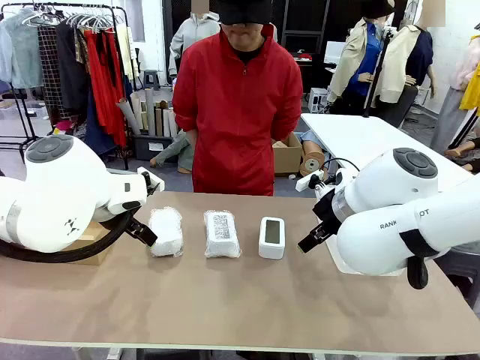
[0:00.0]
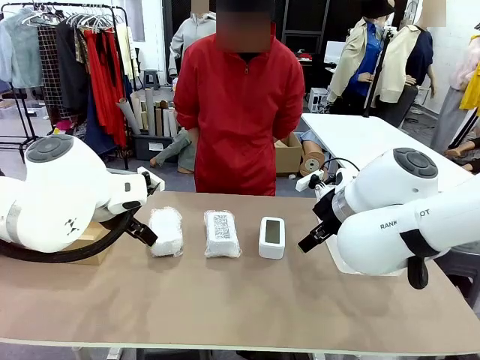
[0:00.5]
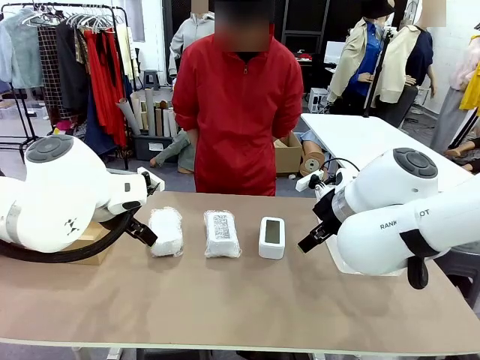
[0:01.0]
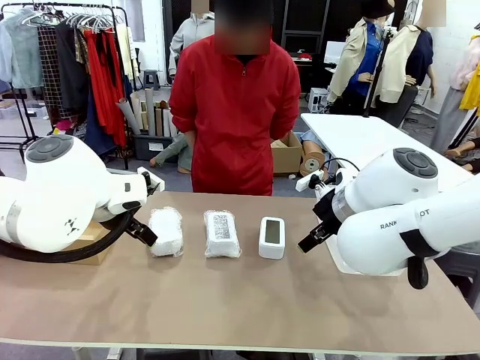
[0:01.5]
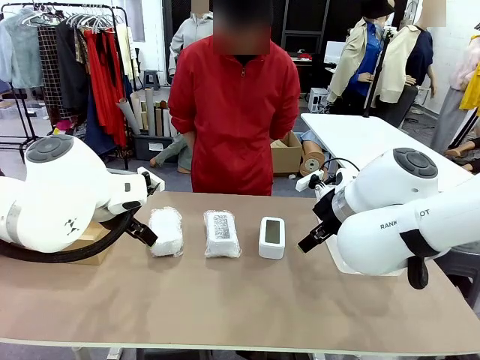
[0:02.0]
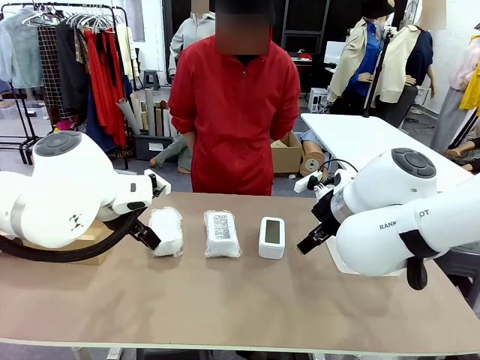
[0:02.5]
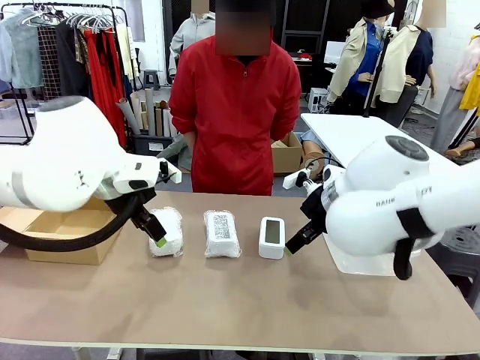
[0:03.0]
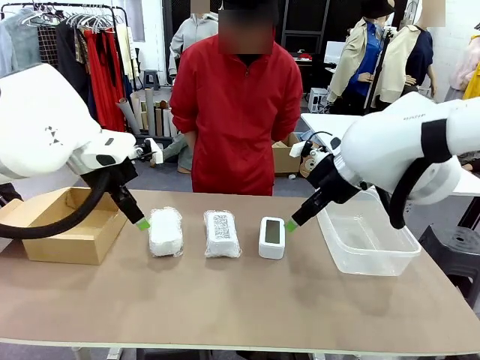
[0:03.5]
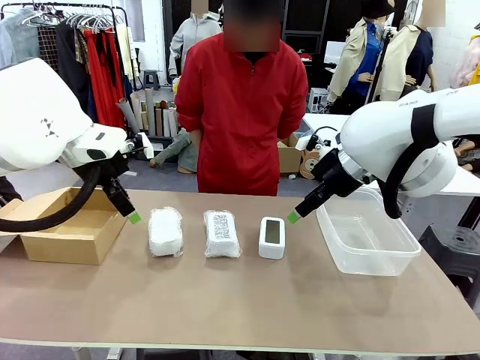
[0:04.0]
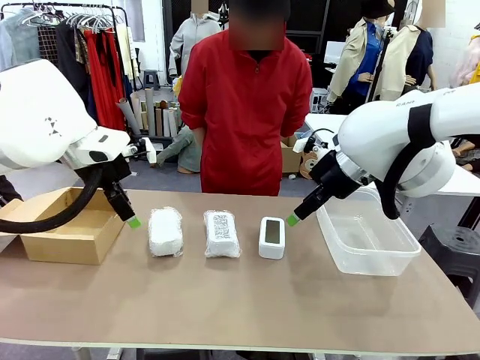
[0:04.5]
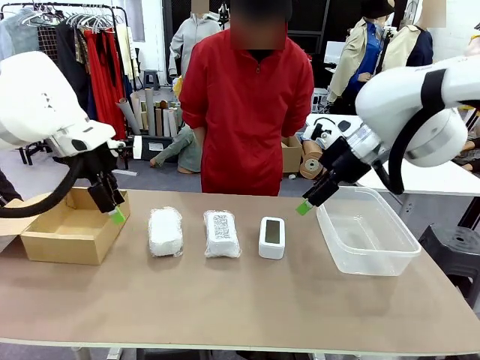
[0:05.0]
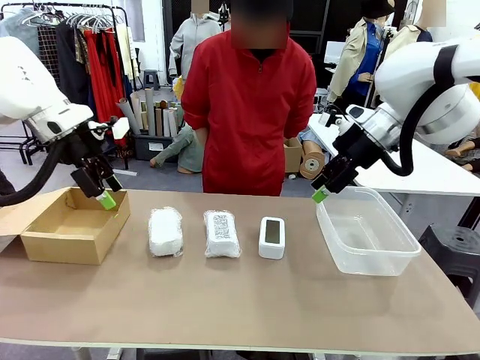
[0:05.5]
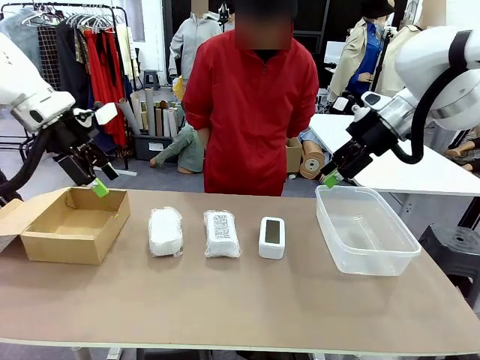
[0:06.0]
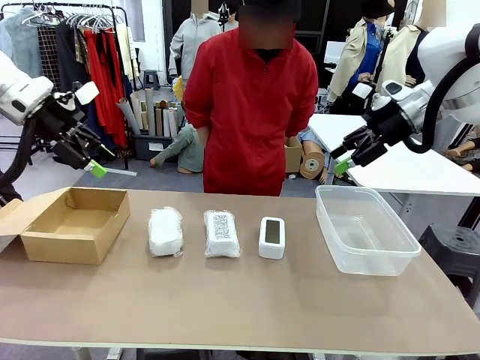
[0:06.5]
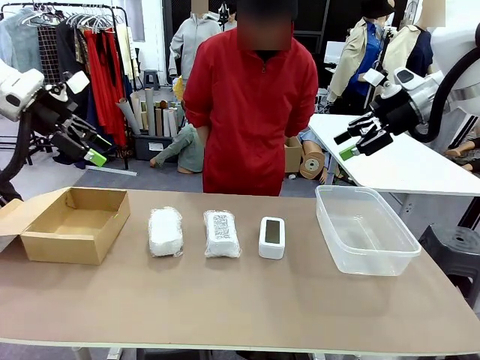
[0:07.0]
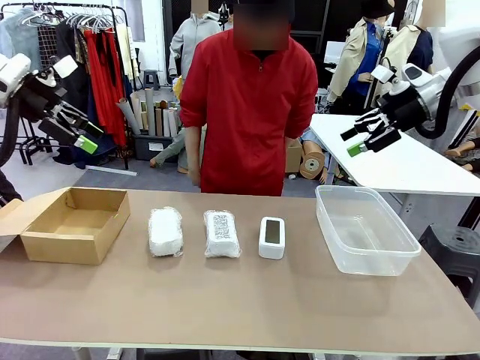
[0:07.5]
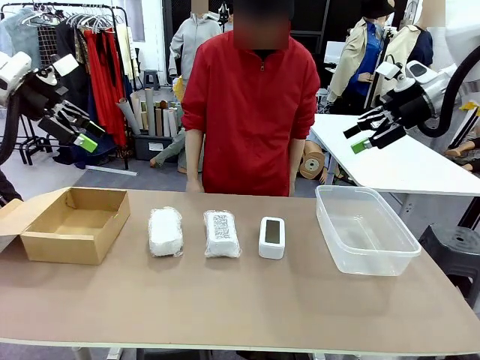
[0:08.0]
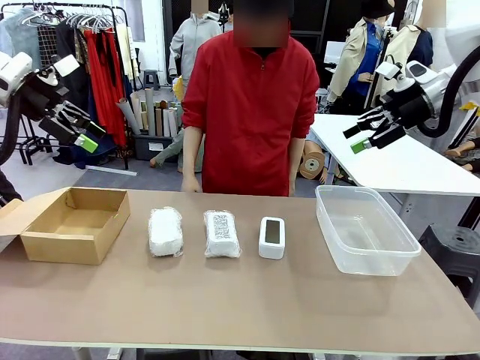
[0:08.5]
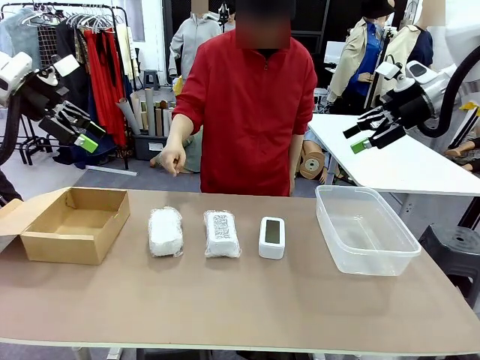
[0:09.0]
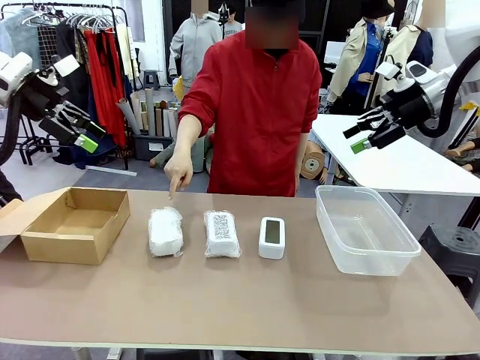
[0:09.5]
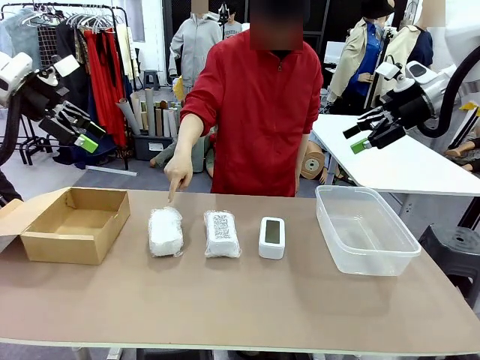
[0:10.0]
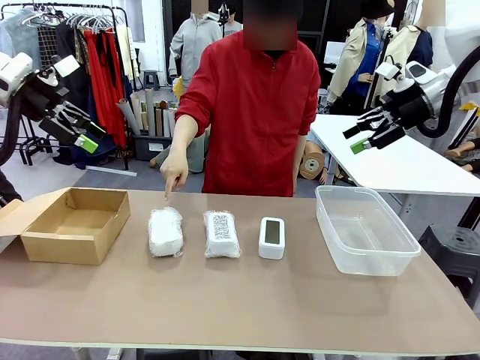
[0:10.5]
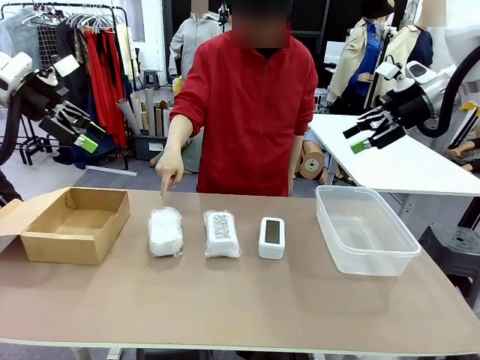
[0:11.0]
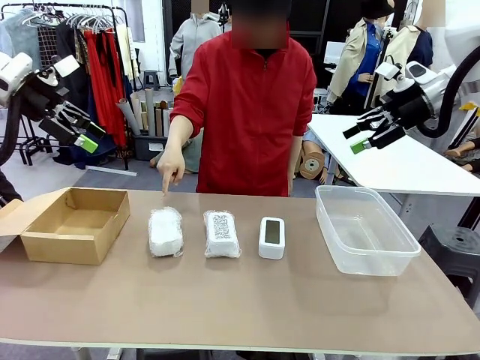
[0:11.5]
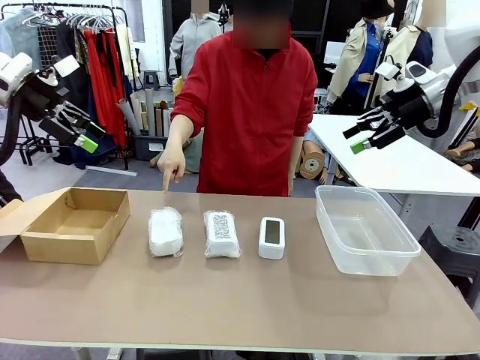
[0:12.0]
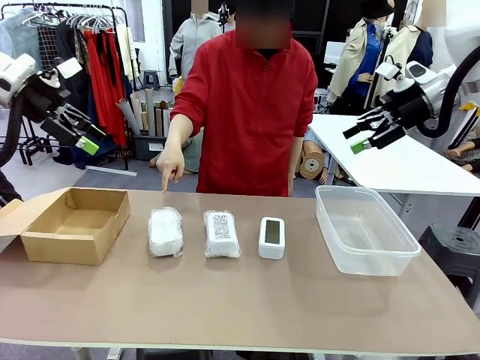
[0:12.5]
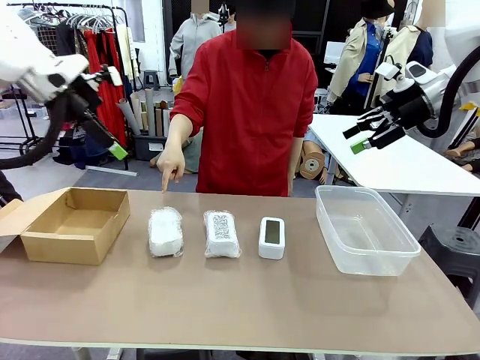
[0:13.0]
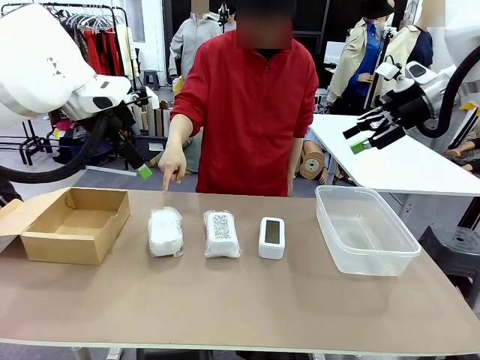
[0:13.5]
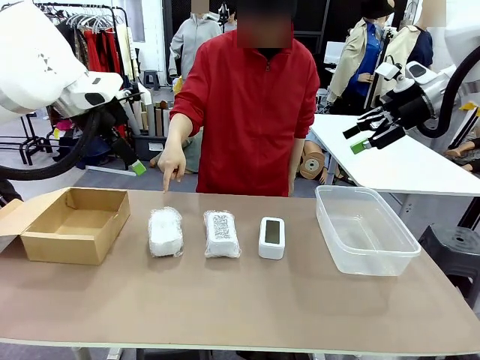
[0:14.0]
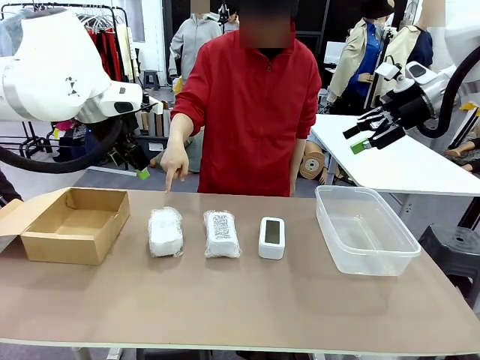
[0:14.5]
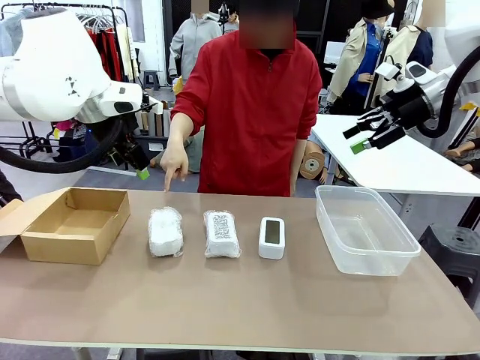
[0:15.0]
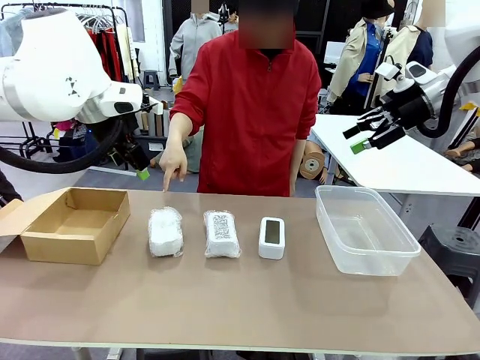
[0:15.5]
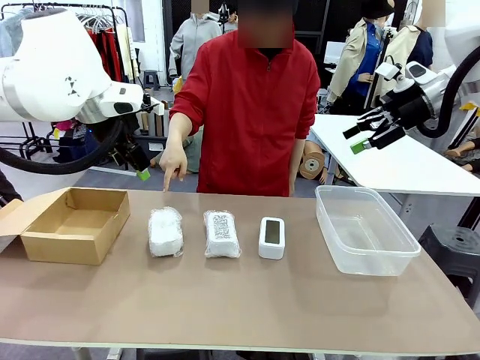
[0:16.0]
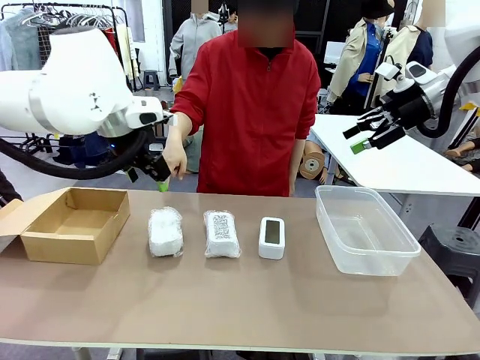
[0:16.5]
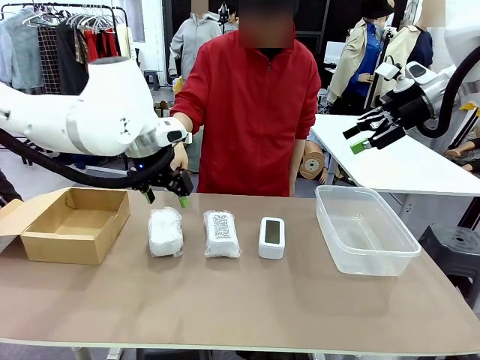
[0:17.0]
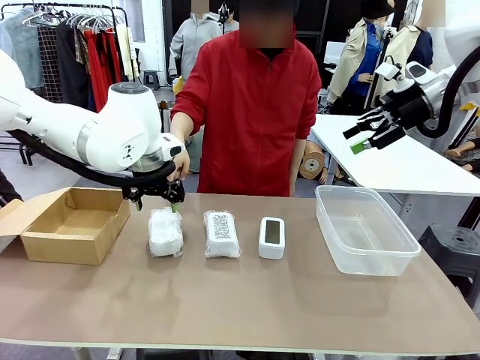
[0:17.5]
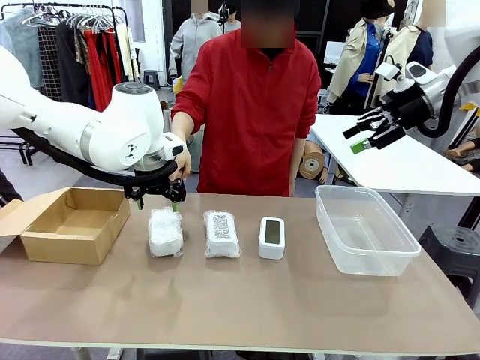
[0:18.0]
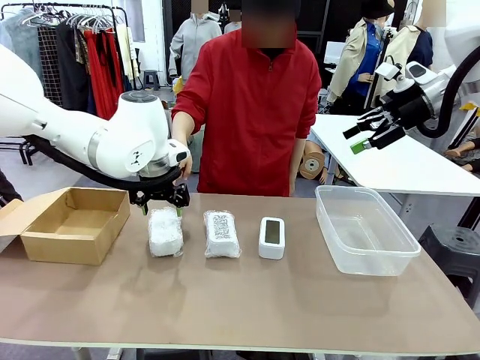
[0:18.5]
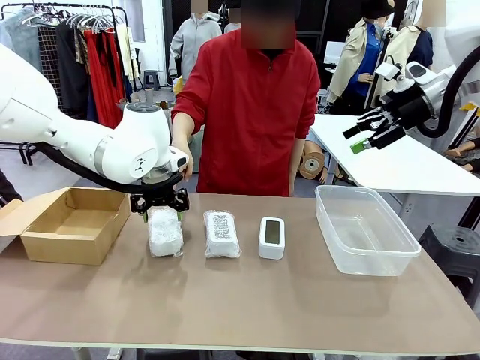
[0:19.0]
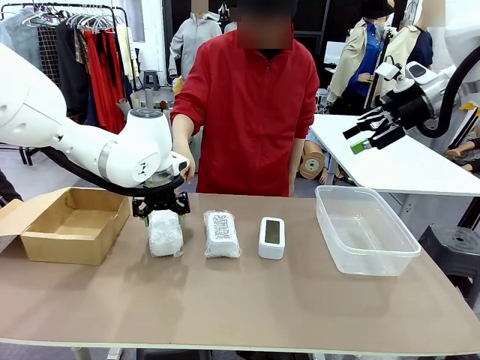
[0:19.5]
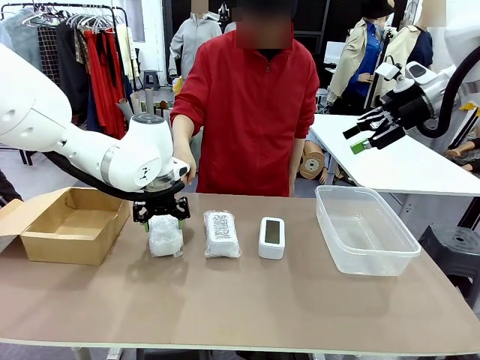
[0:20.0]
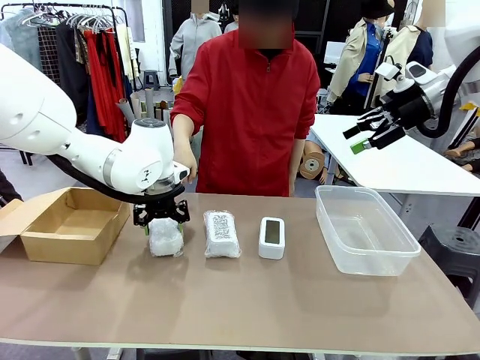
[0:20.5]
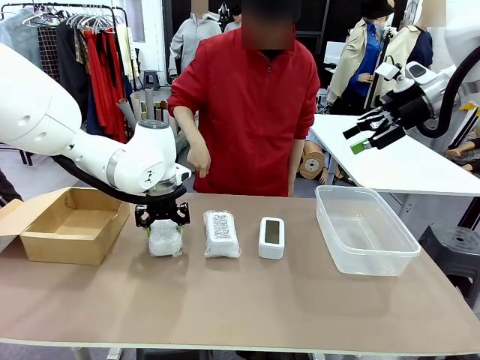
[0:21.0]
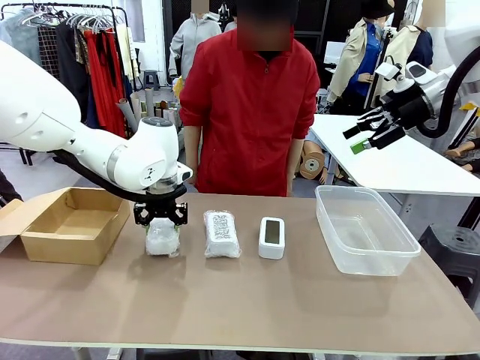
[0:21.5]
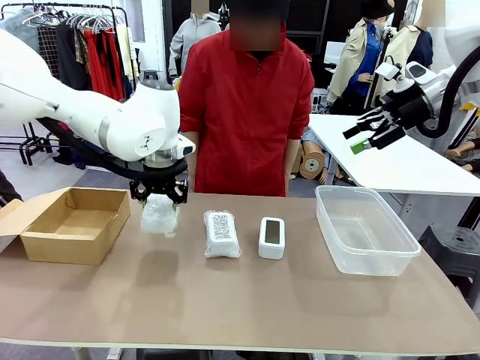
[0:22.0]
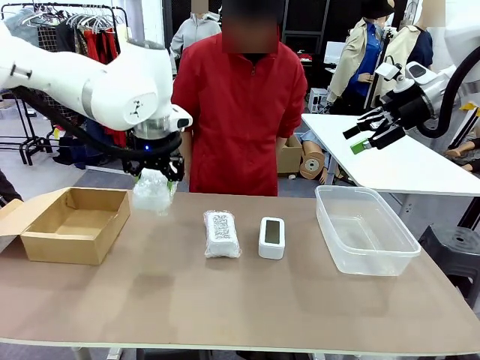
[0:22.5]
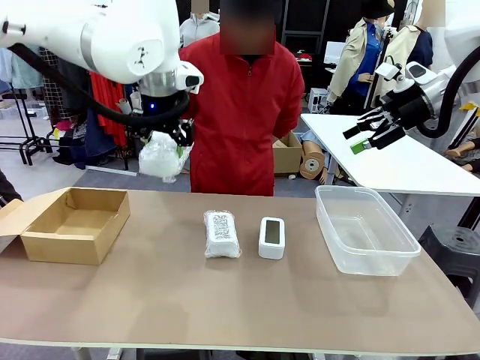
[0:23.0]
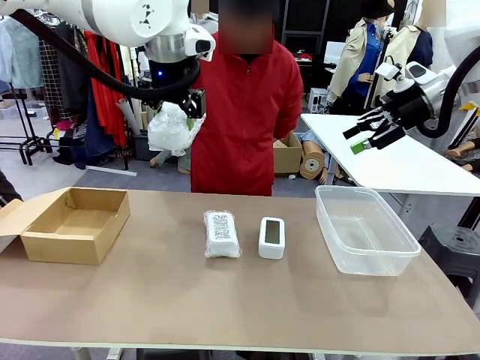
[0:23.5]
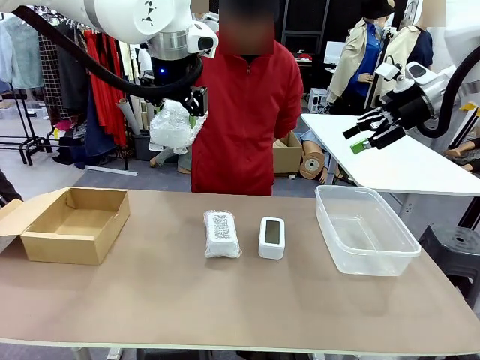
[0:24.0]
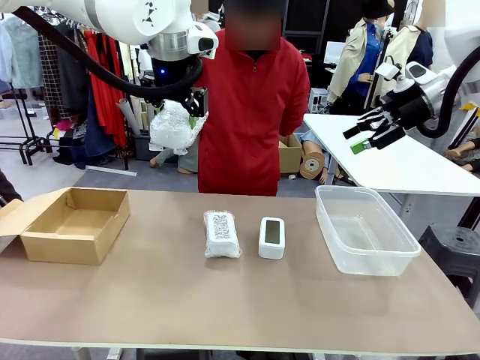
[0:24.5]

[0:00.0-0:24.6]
Task: Separate and place wrapped and unwrapped clocks.
Robot: Pick up the Digital clock indicated by the person.
